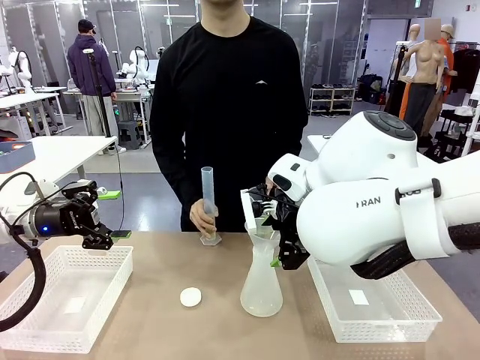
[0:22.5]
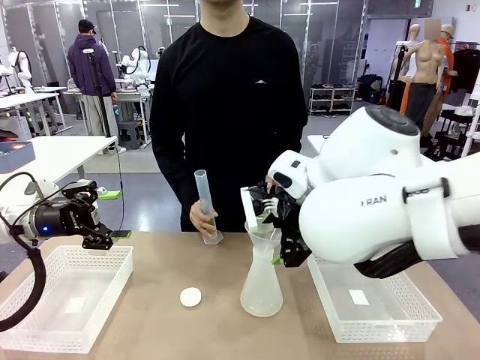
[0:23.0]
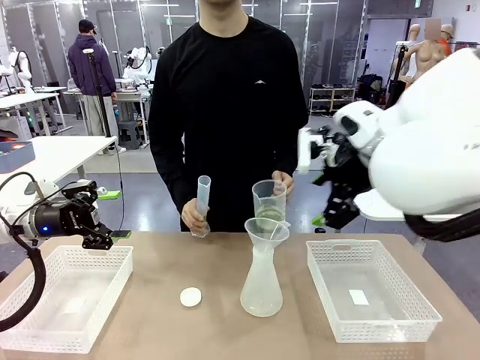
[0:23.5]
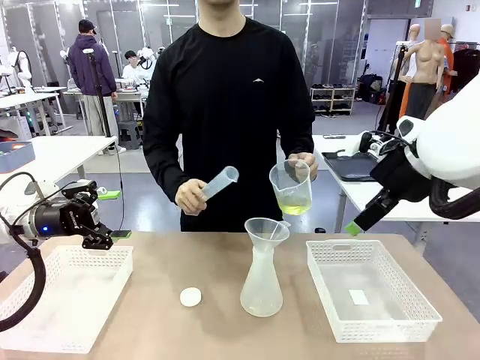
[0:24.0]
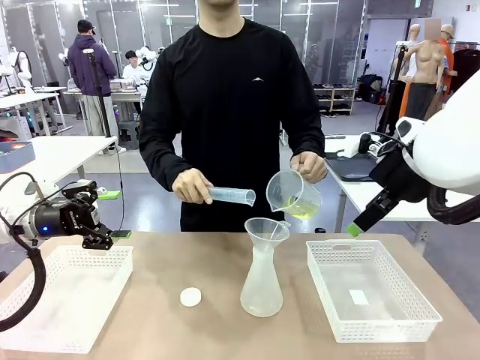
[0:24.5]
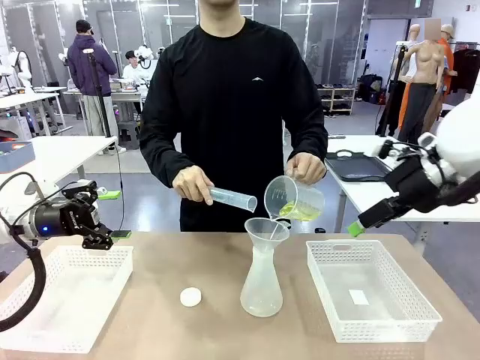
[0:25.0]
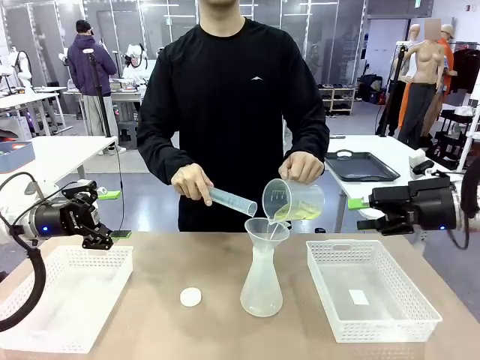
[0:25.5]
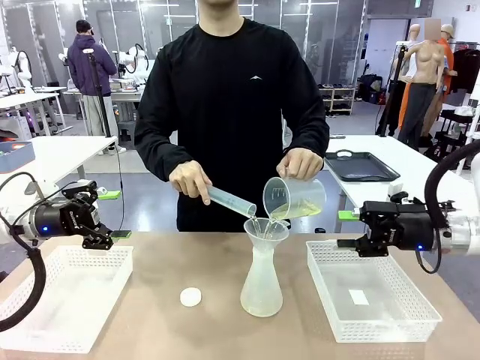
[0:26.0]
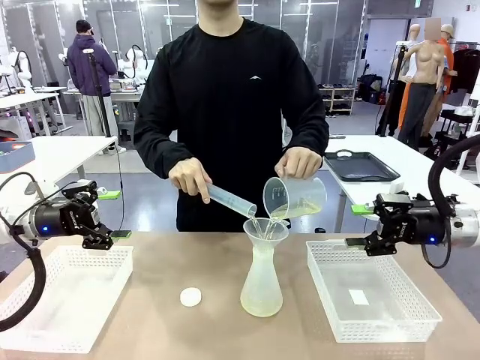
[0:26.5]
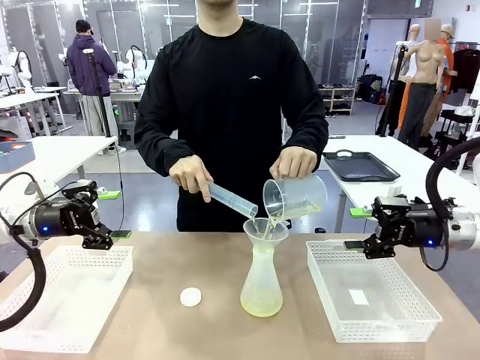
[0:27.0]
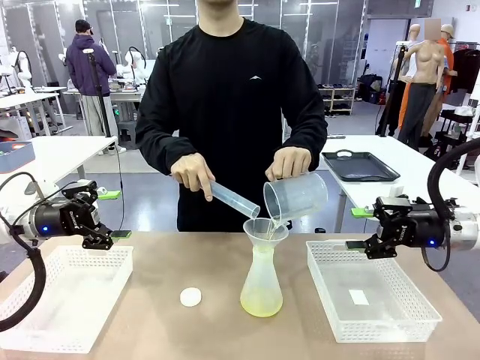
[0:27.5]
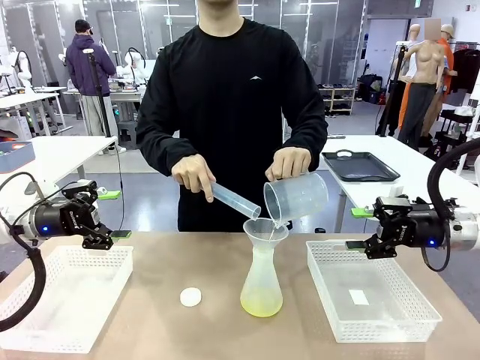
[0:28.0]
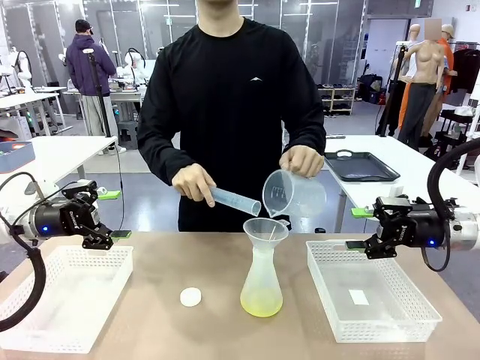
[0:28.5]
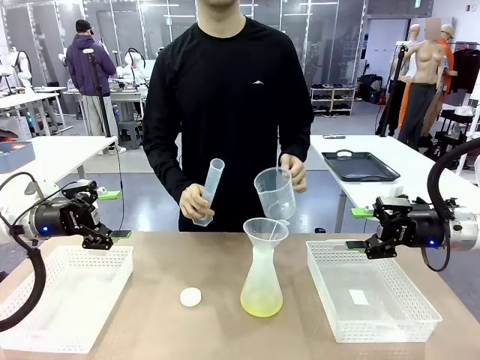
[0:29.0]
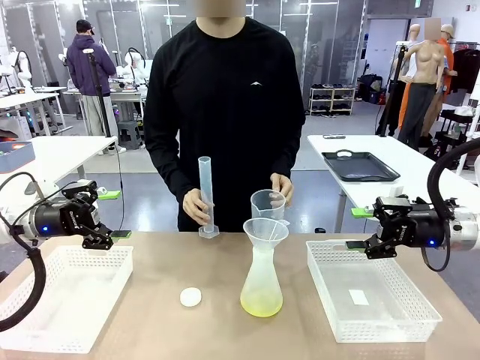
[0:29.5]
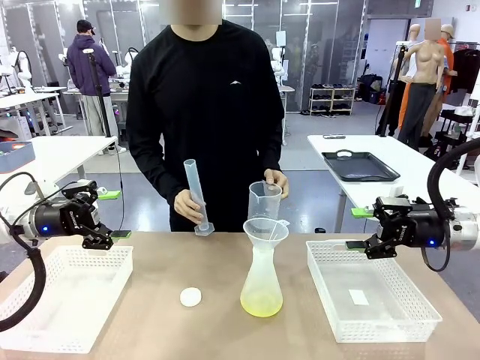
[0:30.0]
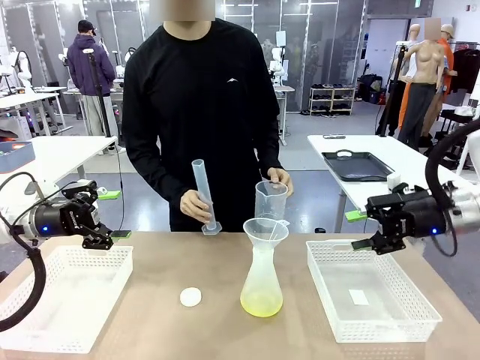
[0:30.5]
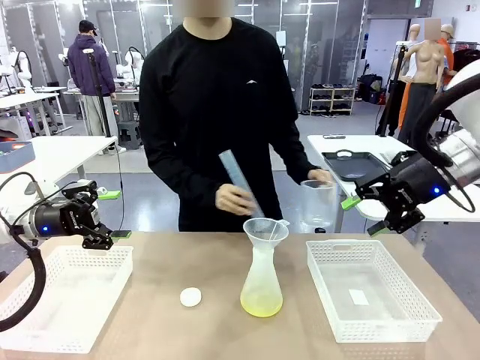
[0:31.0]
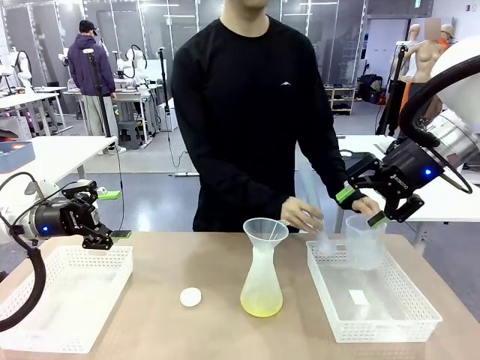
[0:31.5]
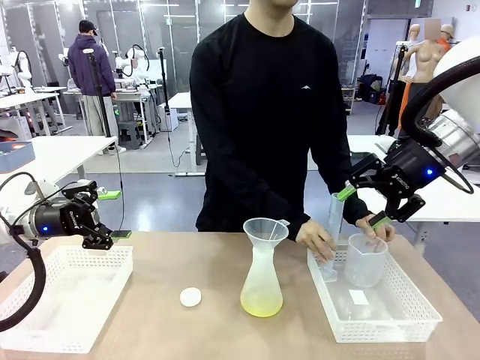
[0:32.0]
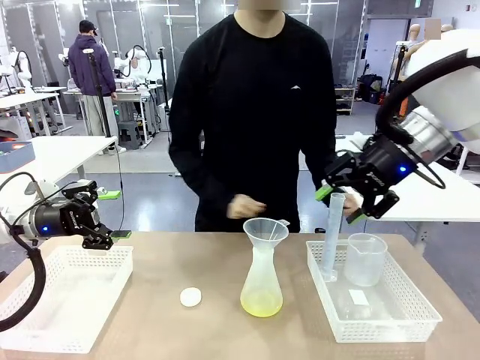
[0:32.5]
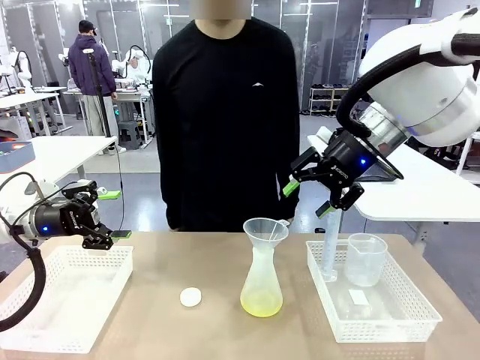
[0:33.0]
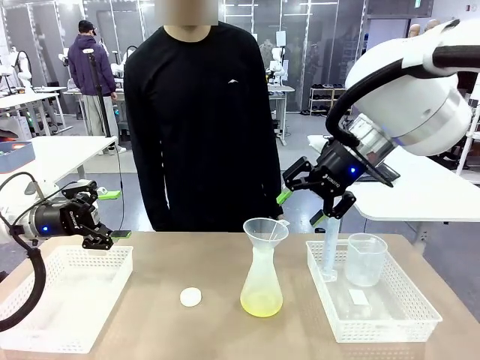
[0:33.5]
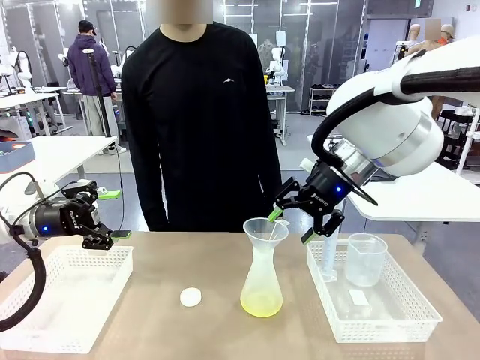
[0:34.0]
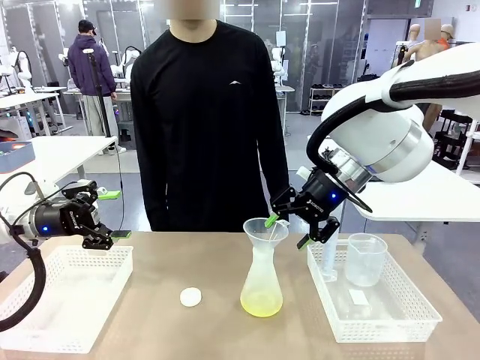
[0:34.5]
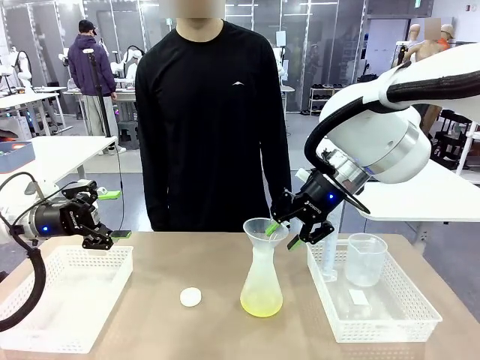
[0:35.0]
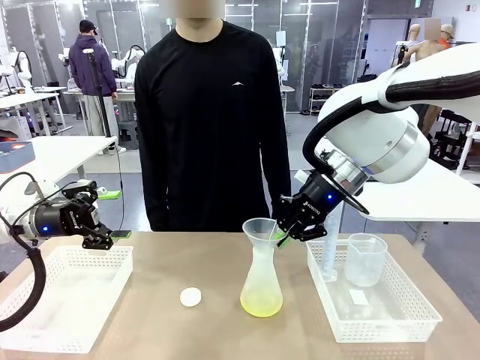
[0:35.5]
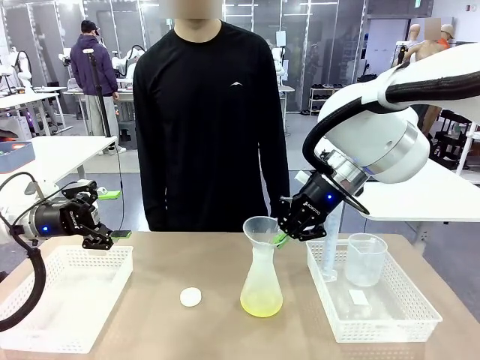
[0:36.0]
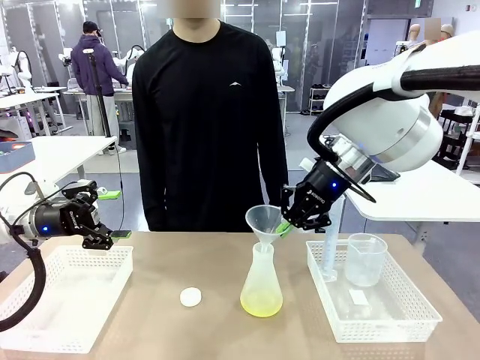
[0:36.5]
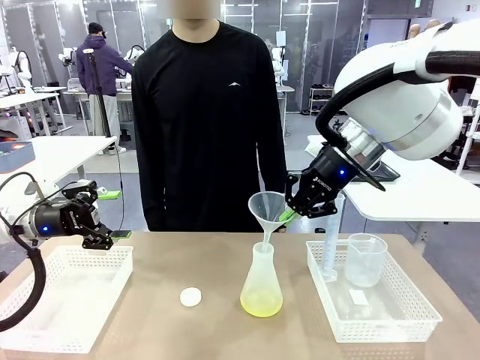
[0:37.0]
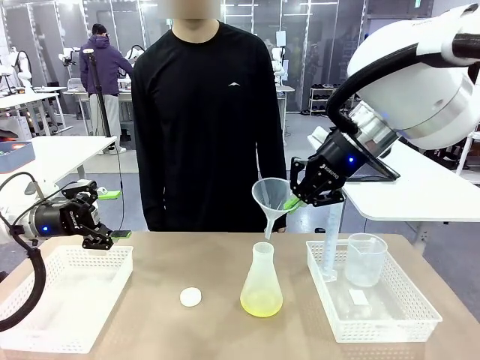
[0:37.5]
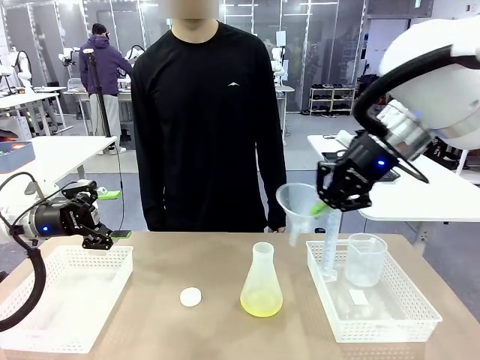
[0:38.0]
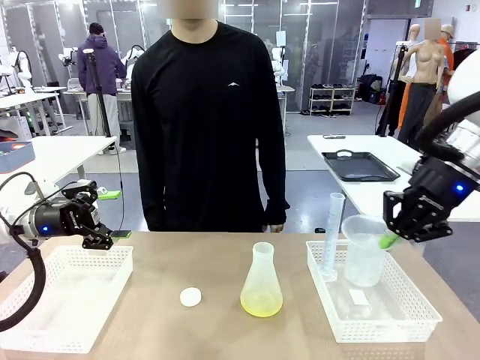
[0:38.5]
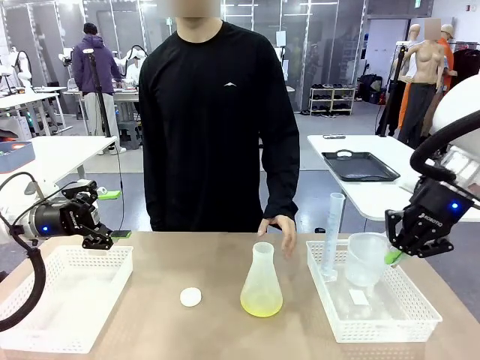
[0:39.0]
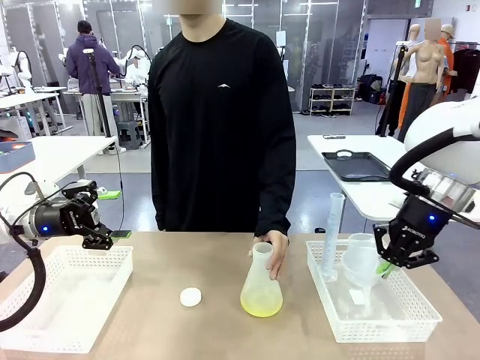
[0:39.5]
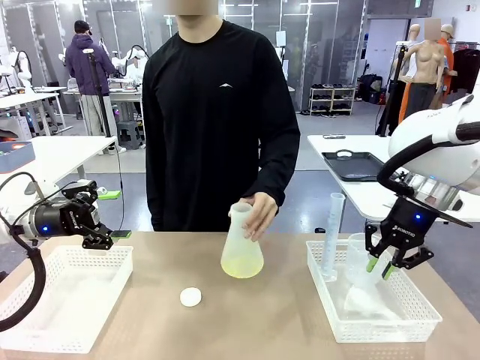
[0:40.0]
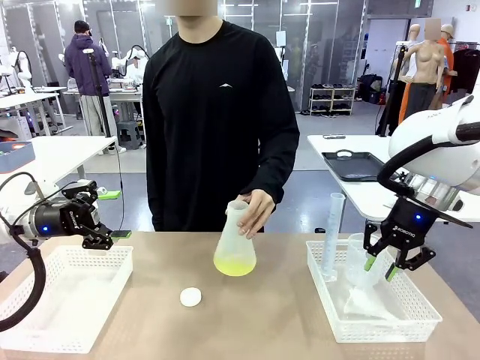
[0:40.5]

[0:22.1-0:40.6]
Task: Prepare the solutions needed for the experiment.
Robot: Once the solution is in the Big flask , pick up the Plastic Funnel and place it back into the right Organizing basket.
Person: Place the beaker and the cylinder into the organizing basket on the left side. Pick up the flask, gently shake it 2–3 times, place it in the middle of the robot table, and close the lid.
